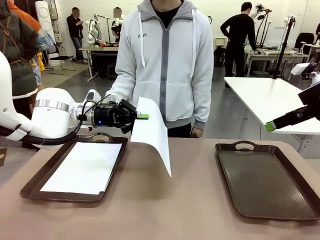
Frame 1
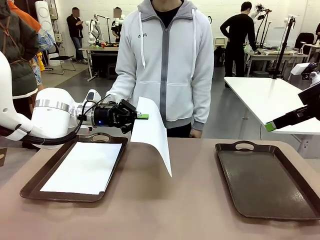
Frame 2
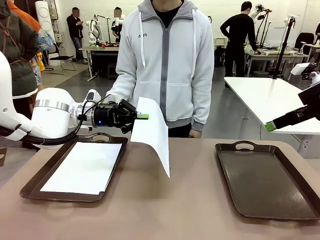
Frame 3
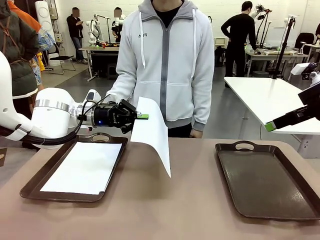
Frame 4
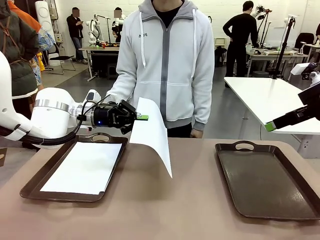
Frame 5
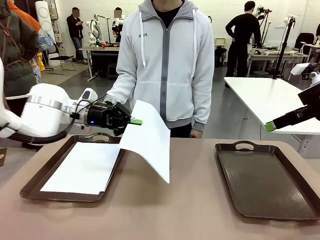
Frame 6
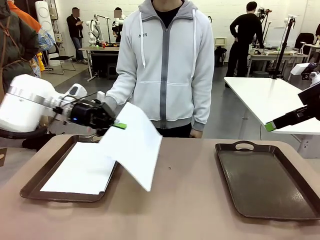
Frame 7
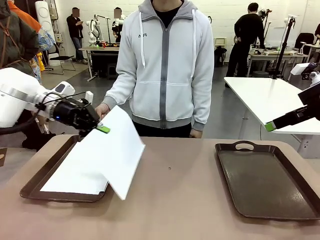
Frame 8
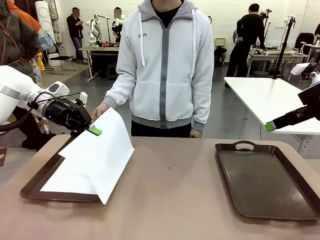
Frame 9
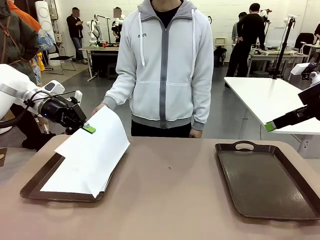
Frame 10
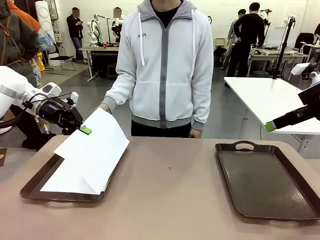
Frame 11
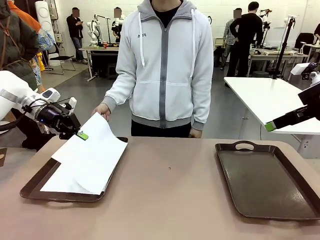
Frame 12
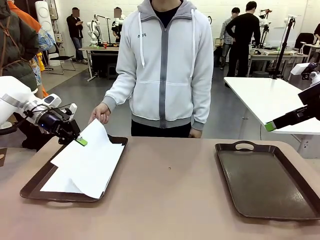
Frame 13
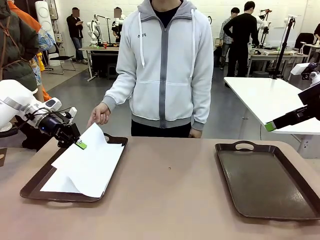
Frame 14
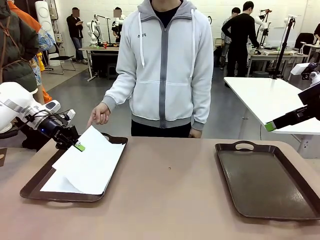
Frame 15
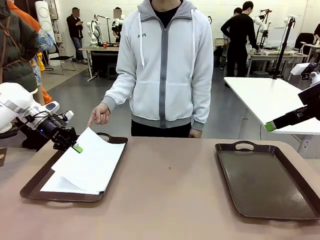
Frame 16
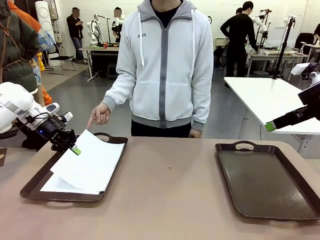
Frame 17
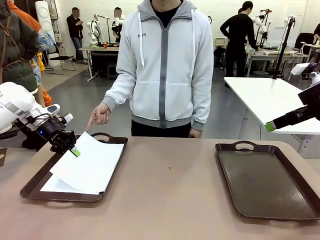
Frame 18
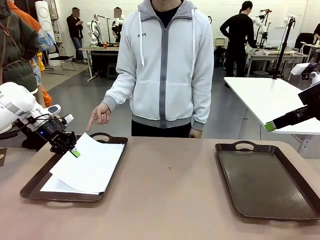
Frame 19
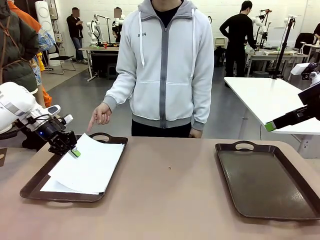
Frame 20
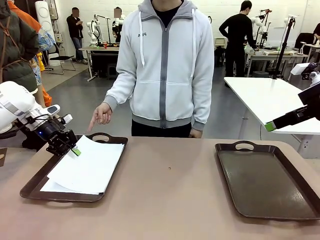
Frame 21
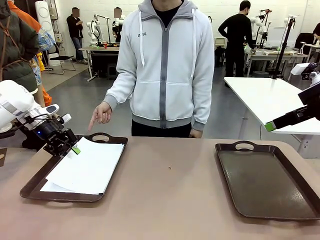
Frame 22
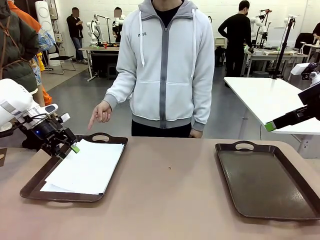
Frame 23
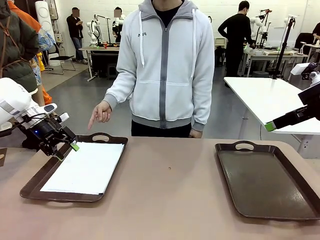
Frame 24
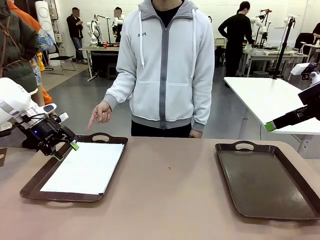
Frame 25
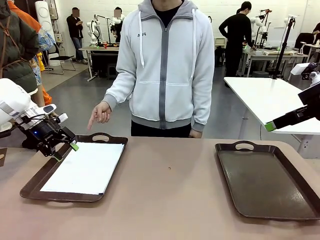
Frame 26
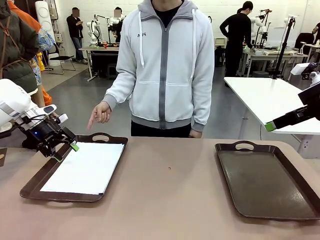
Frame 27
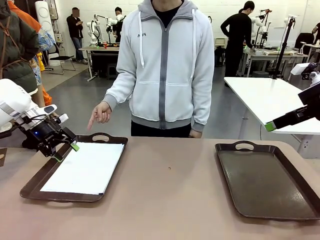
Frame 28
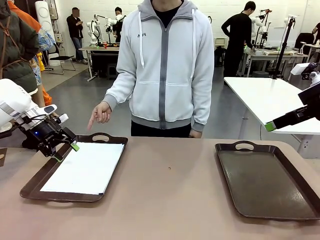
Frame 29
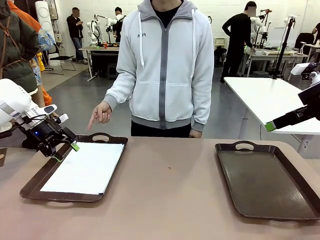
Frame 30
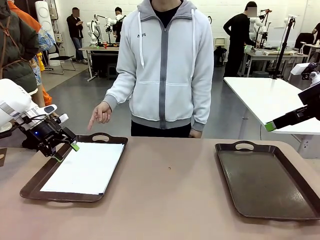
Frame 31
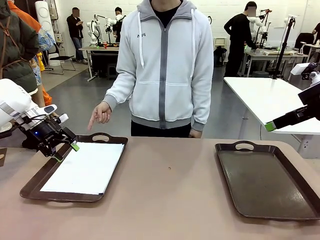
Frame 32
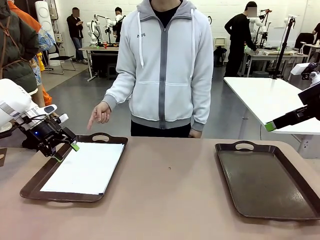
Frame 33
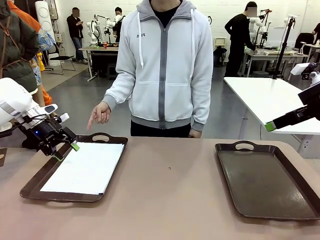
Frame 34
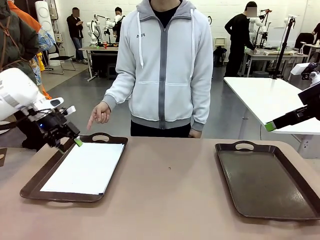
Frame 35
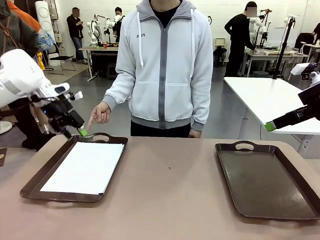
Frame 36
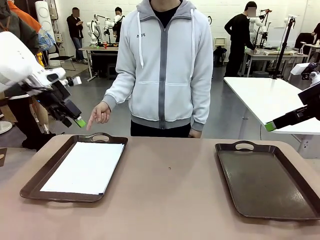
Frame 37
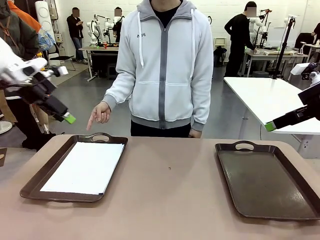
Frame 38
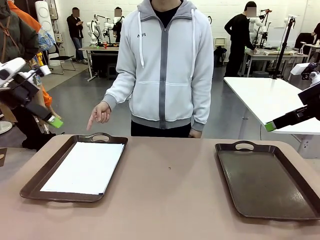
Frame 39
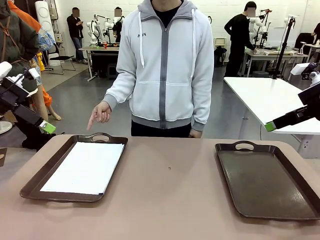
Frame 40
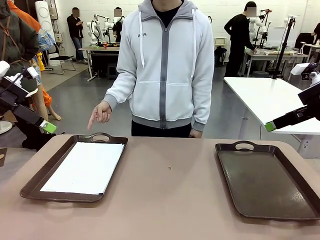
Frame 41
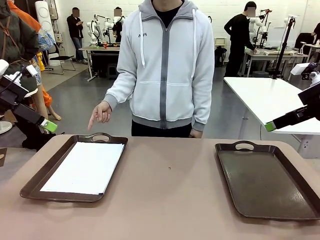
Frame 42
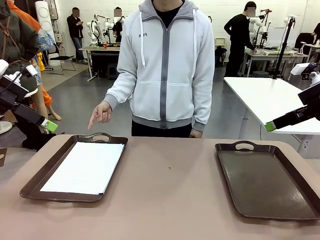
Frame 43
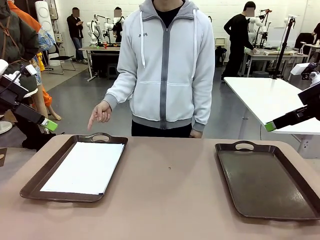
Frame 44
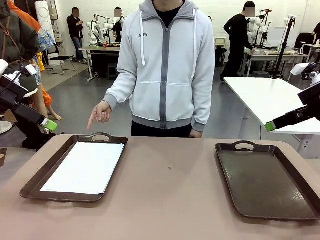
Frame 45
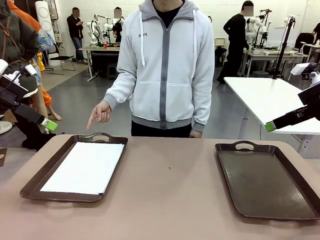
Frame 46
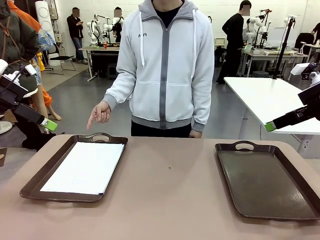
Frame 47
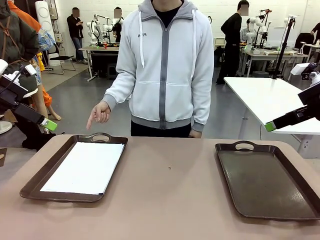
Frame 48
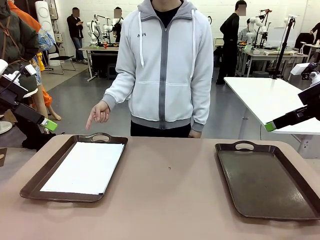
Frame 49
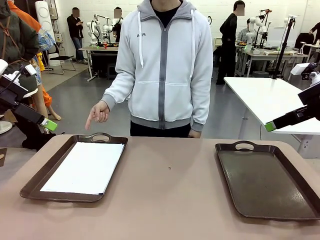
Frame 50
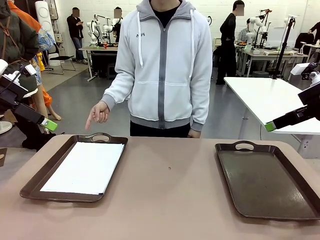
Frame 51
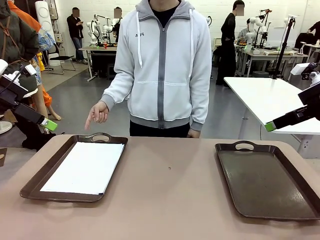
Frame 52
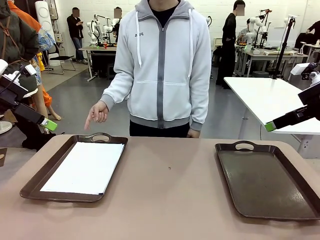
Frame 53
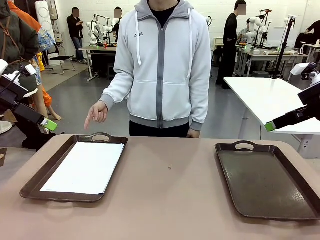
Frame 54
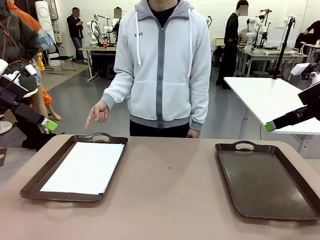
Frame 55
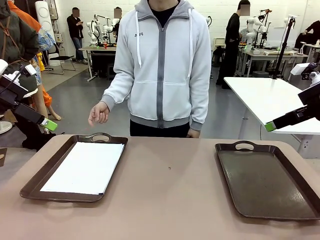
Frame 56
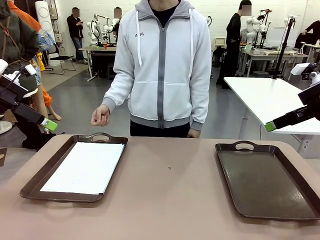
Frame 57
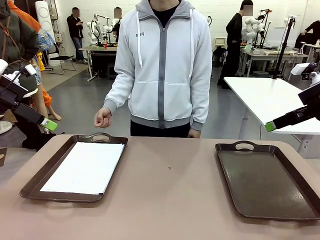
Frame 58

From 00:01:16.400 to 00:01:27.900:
Task: Sort the A4 documents.
Robot: Place the A4 Paper in the designated Handle tray.
Person: Point the randomly selected tray with the other hand.

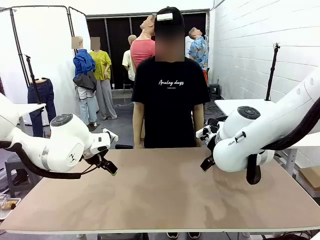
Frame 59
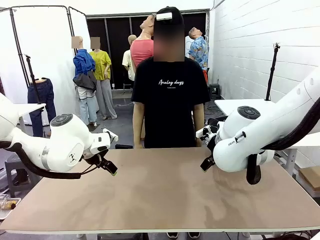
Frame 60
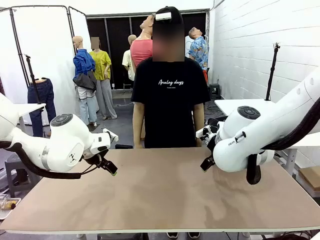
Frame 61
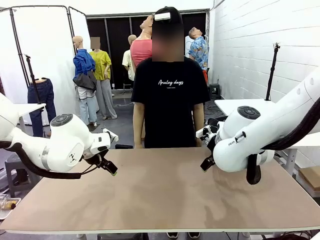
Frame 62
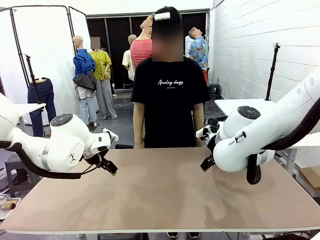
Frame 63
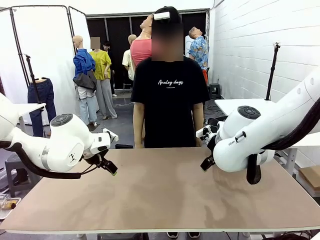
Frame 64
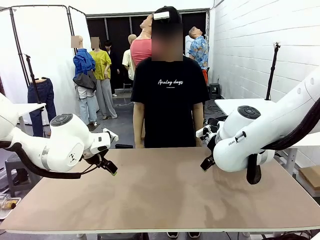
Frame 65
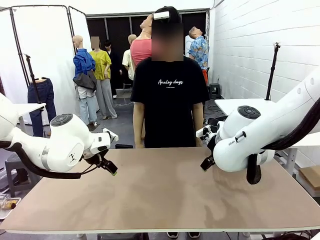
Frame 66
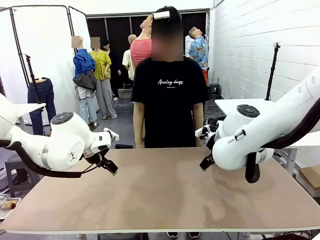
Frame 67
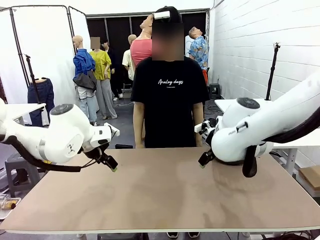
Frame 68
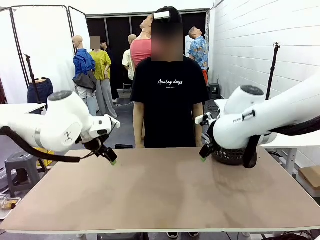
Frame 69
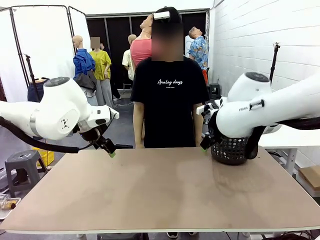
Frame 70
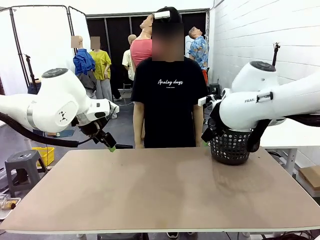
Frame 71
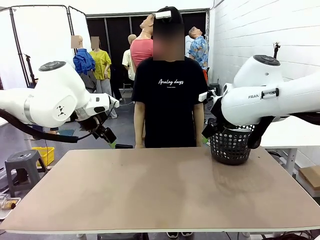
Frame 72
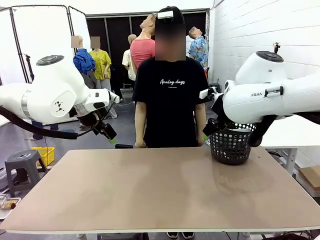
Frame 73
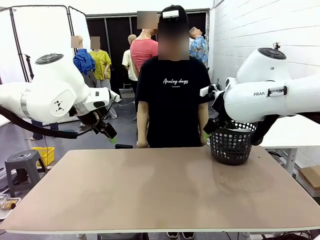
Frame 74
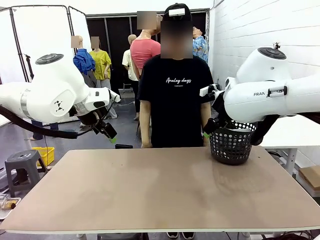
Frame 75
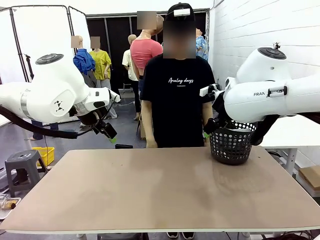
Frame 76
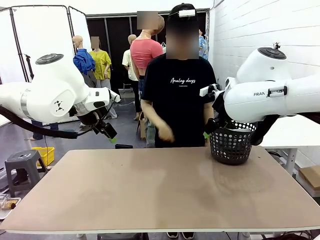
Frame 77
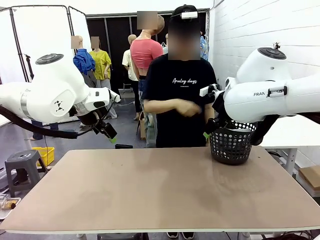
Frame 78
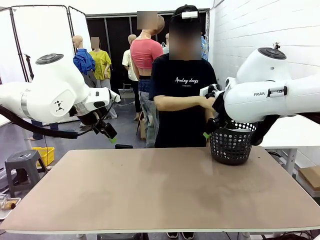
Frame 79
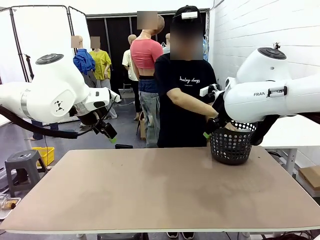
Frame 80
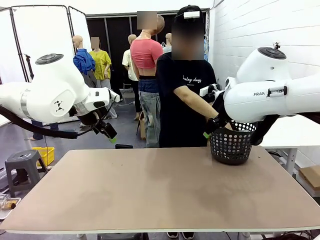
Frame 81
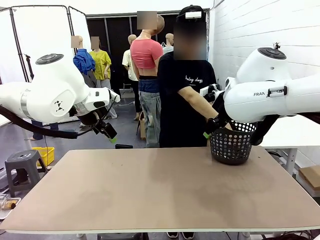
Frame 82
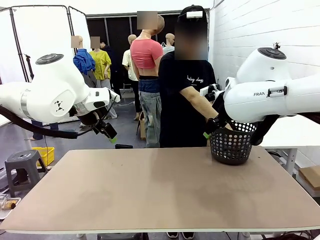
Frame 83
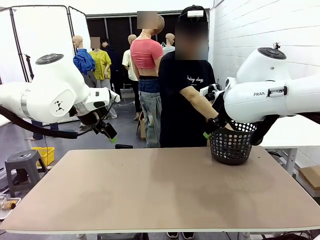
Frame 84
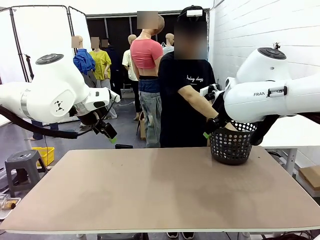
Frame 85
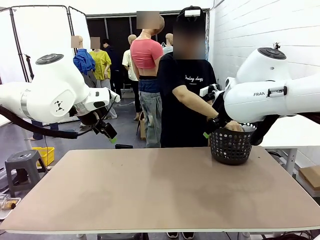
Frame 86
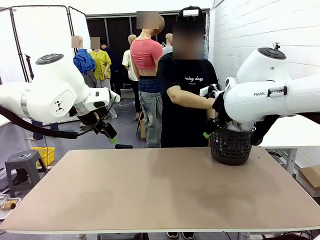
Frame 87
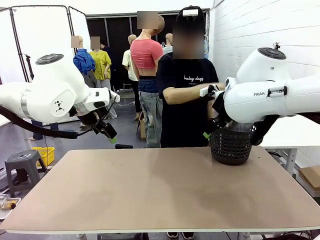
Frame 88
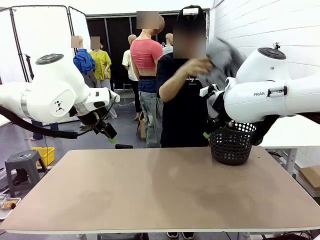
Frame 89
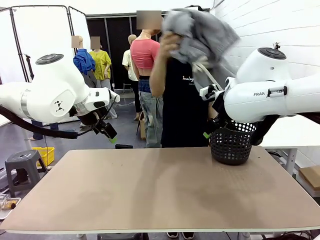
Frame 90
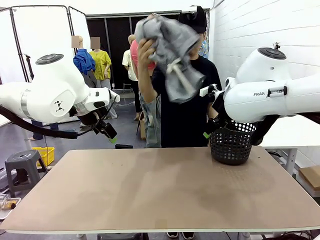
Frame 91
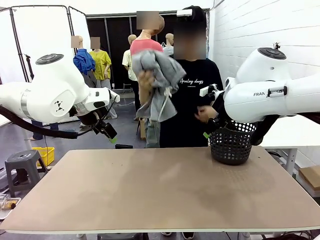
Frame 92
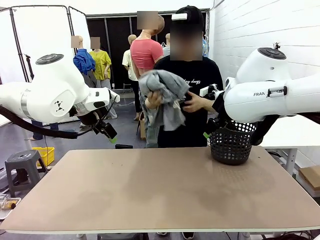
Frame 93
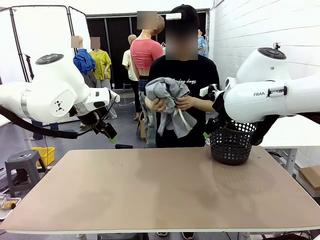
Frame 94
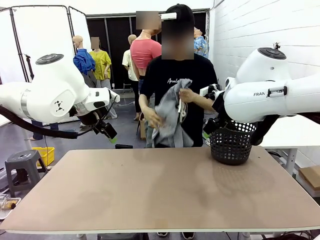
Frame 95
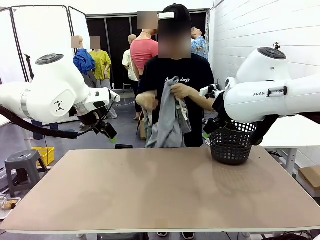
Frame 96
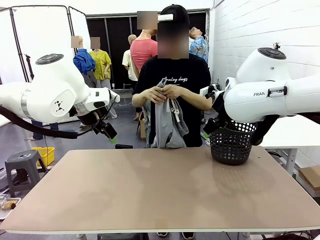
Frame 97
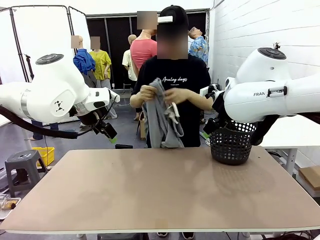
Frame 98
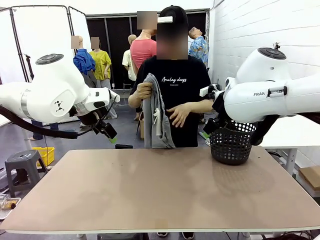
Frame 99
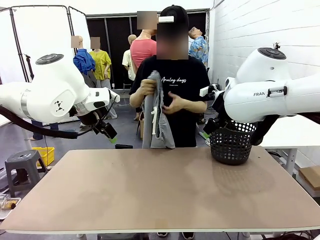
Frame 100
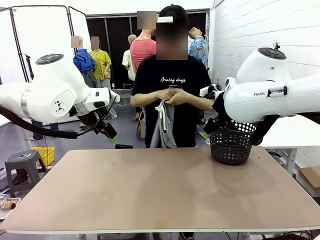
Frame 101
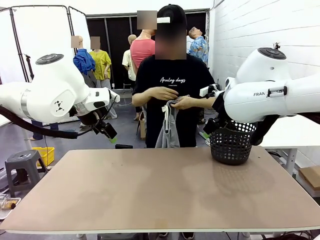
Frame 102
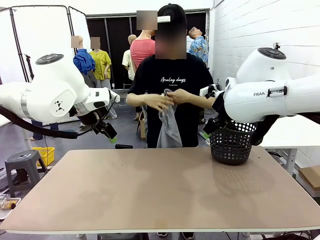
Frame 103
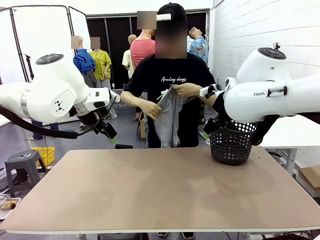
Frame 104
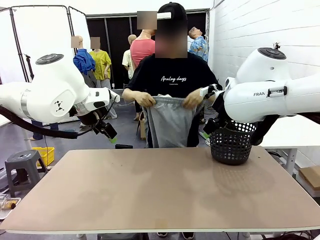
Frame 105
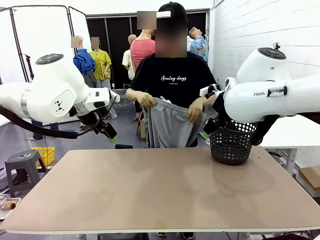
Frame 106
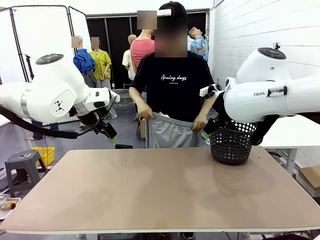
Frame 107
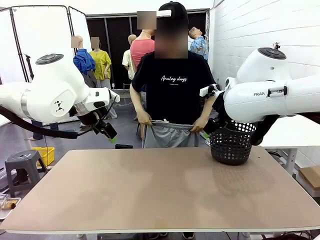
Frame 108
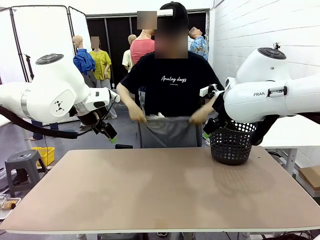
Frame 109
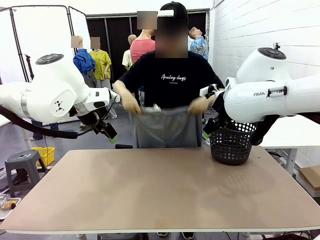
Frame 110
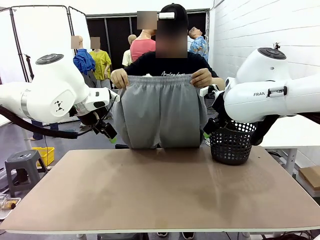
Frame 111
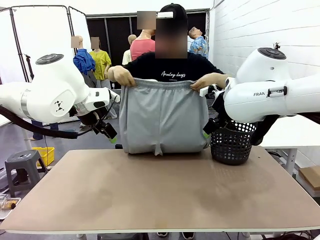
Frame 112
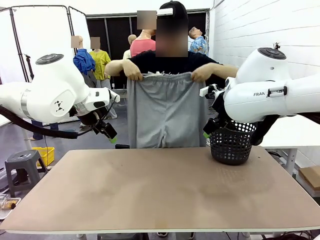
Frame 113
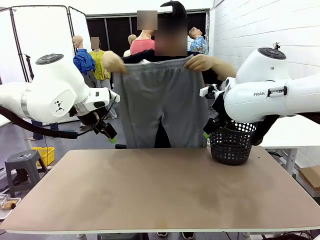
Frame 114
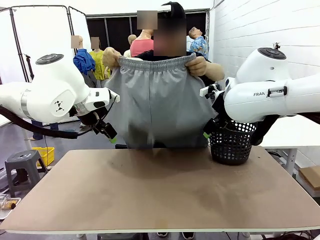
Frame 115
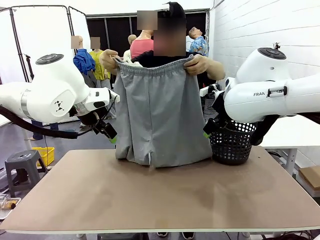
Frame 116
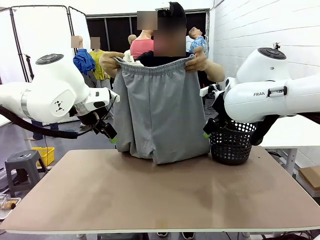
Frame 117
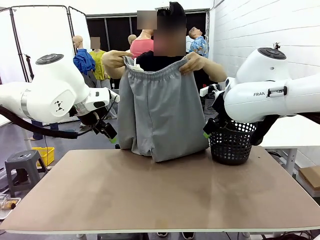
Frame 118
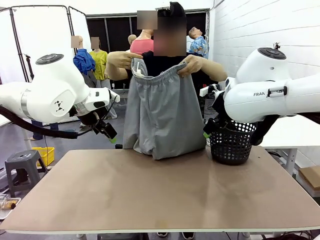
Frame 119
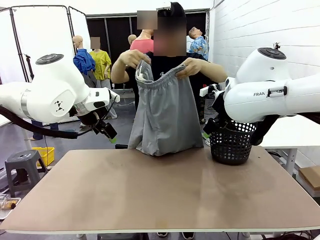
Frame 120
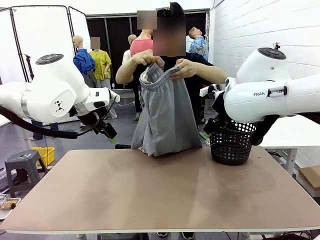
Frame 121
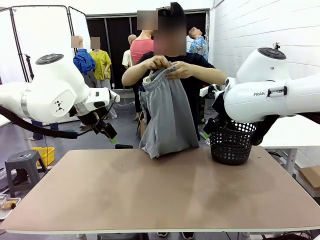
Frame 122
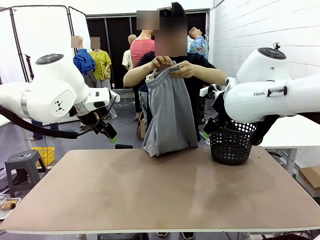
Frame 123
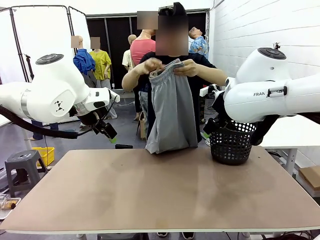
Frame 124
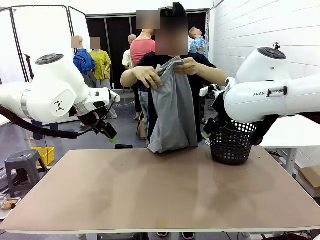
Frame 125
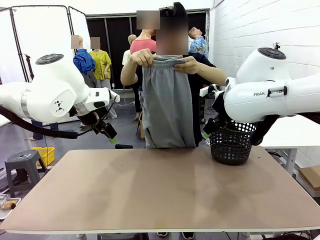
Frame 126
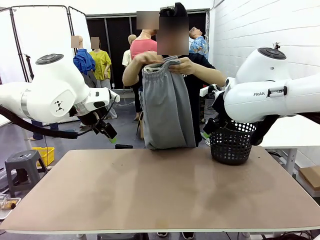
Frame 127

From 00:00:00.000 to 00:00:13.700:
Task: Fold the training pants.
Robot: Grab both ends of the Training pants handed by a person.
Person: Take the long pants out of the laundry basket, unfold them, fold the waist in half, and extend them so the robot can pick up both corners.
